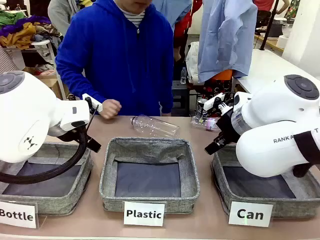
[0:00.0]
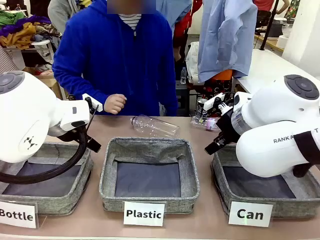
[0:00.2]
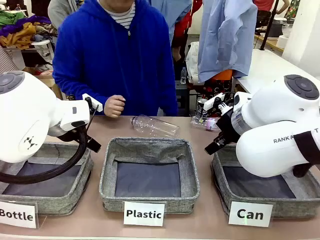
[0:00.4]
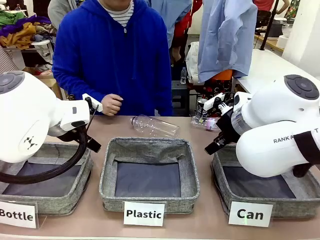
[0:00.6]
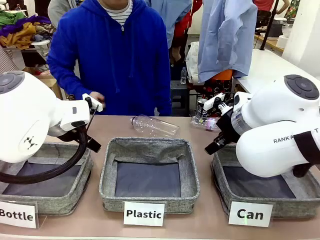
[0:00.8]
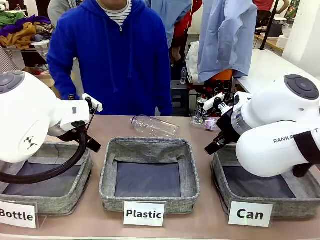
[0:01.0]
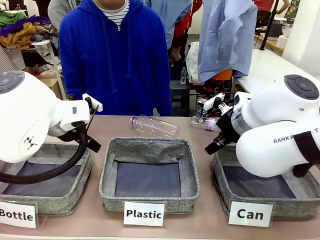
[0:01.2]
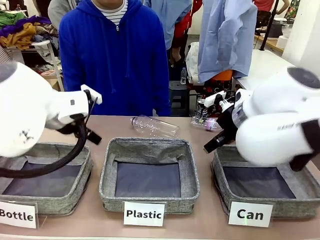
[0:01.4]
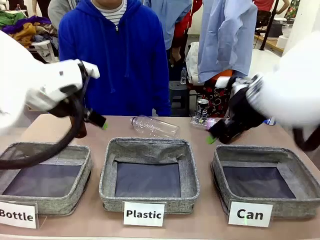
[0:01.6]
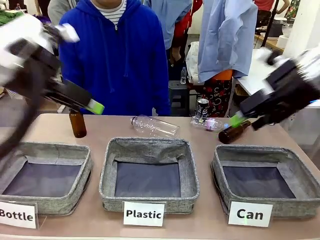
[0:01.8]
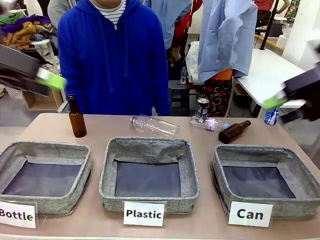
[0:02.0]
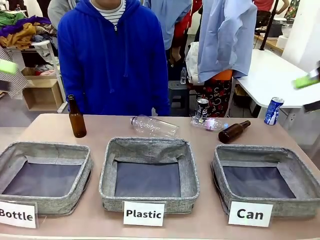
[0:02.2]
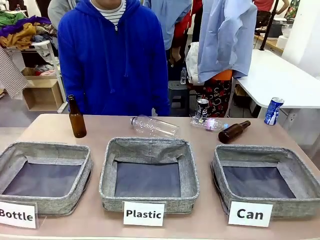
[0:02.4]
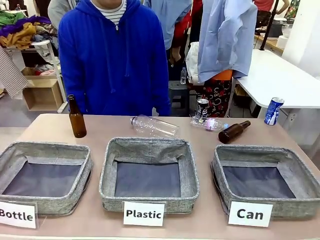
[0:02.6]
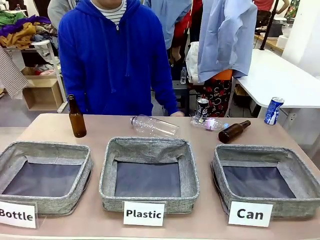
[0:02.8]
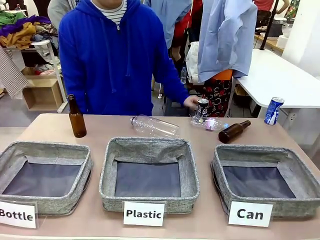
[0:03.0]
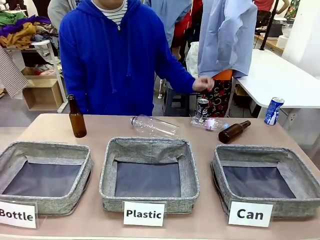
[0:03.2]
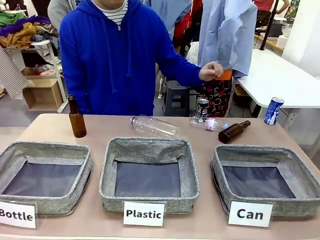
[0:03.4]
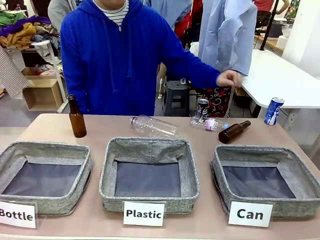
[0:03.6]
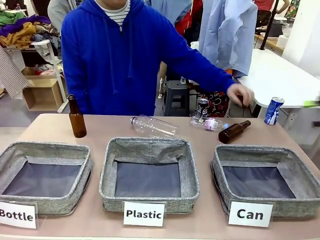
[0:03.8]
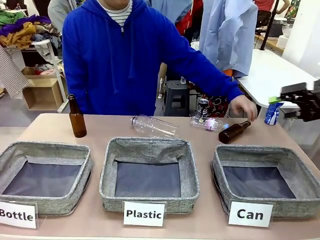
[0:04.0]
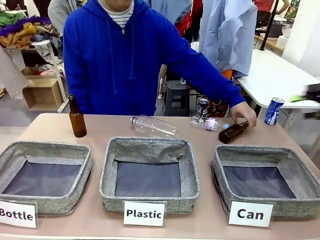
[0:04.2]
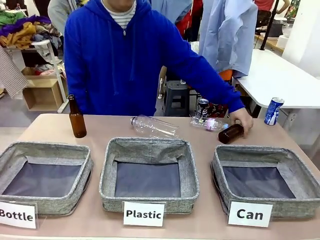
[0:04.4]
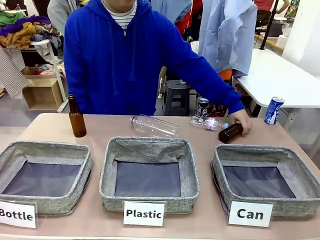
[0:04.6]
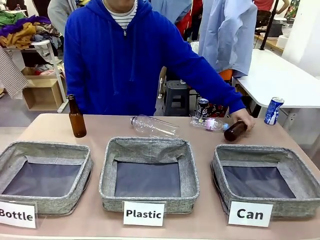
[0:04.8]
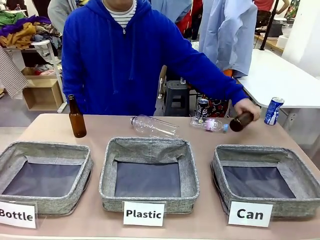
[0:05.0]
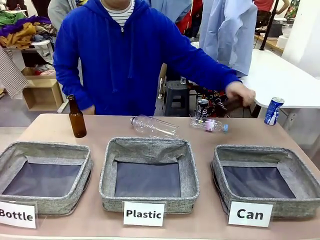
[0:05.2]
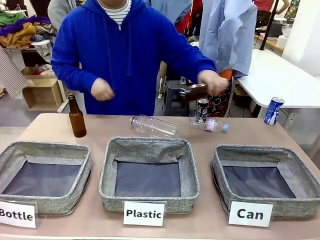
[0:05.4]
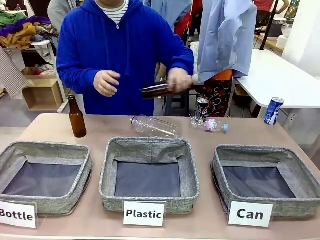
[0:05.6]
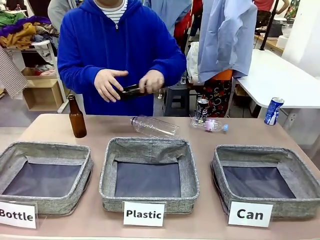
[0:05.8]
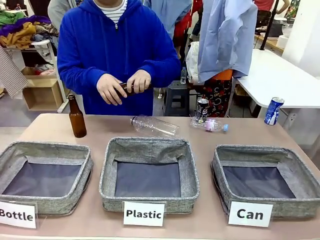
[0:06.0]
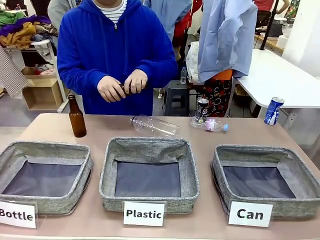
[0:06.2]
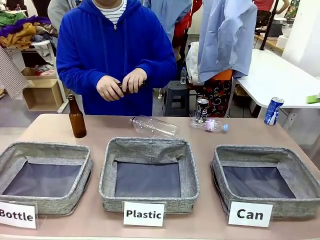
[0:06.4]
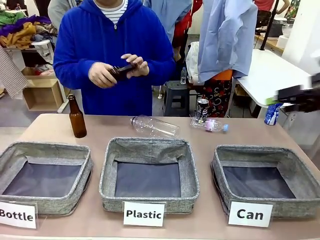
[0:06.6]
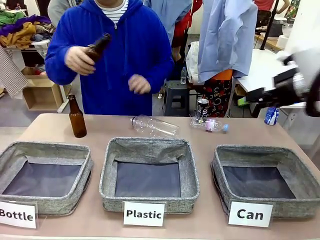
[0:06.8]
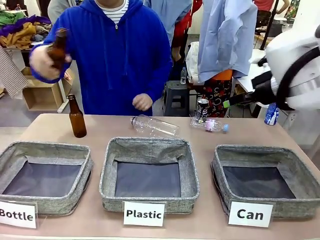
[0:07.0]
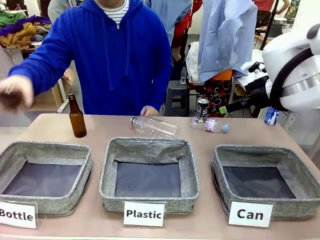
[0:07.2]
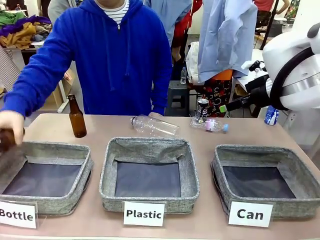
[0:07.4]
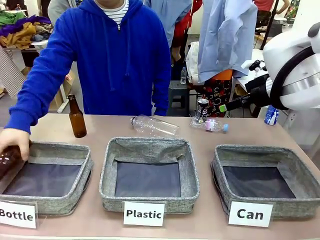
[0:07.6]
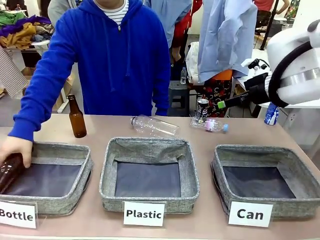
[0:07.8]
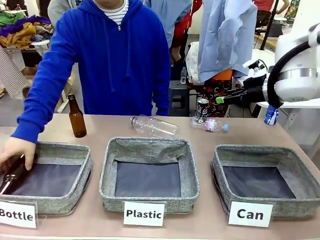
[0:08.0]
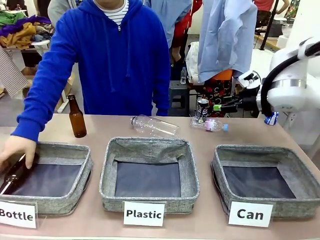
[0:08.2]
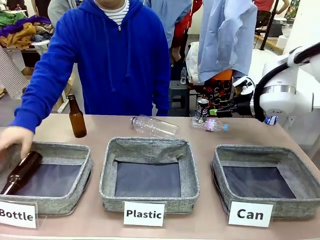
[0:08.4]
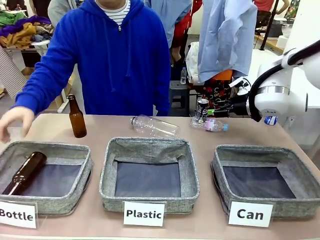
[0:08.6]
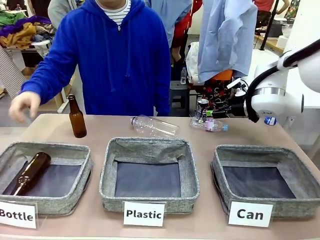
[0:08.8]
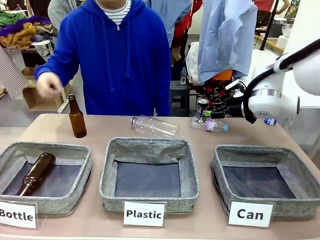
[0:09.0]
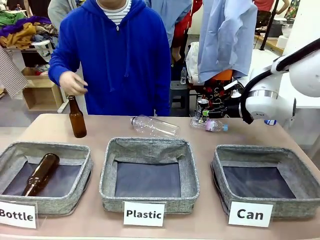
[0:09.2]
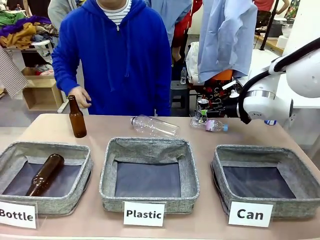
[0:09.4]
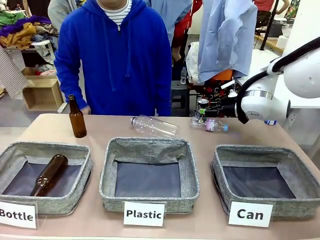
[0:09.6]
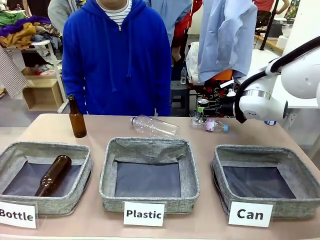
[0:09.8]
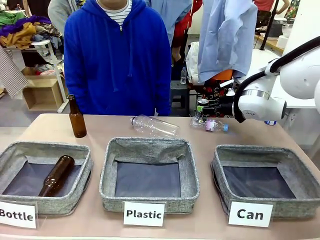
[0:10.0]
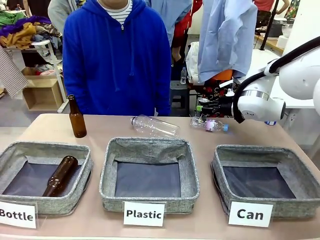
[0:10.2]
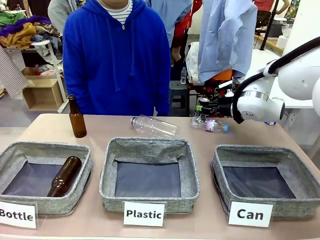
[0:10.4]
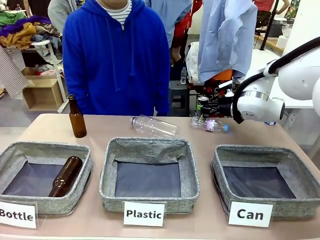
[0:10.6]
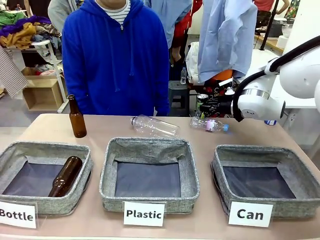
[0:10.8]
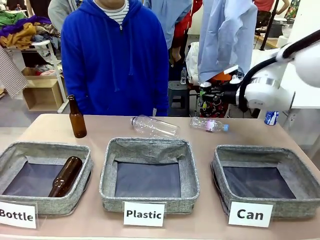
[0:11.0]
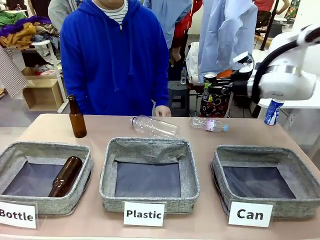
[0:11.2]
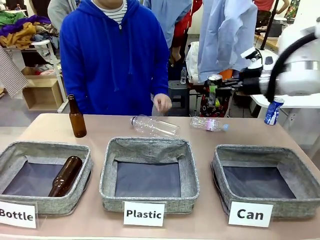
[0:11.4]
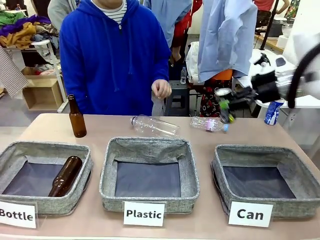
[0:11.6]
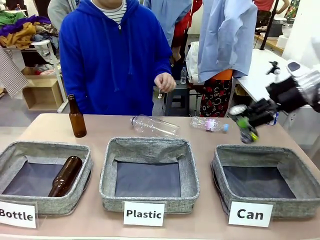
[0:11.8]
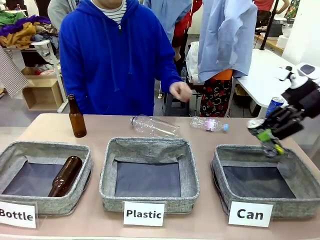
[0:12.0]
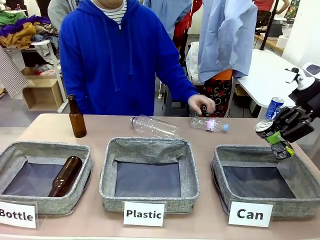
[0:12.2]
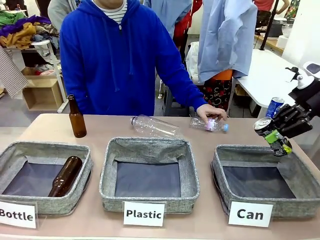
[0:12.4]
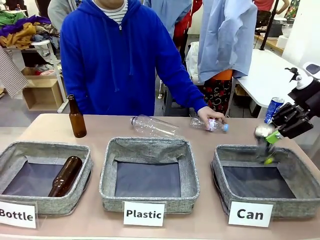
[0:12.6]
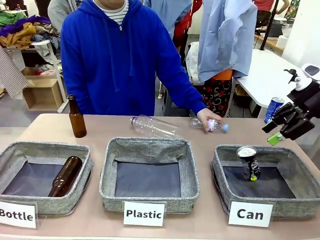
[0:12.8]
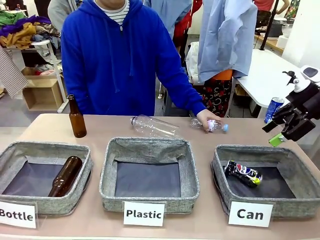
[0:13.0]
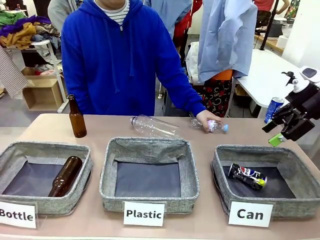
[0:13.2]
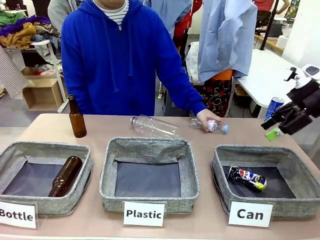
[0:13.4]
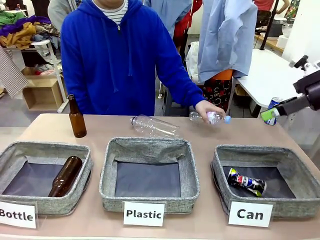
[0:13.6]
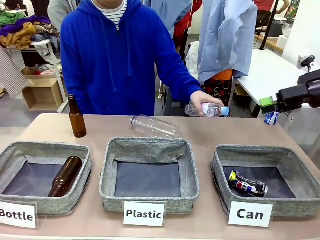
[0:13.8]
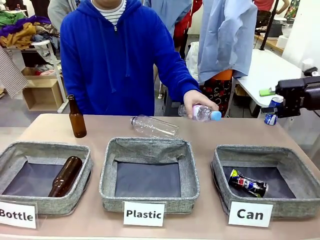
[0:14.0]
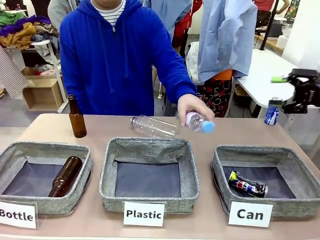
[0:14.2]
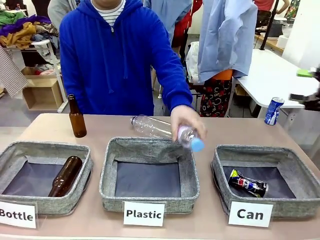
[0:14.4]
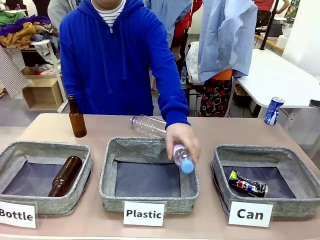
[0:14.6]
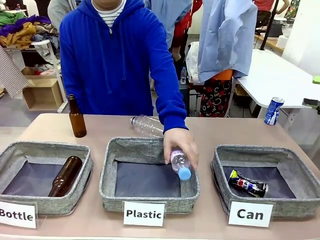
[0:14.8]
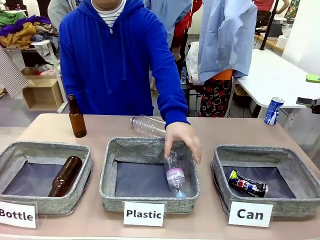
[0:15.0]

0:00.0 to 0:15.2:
Task: Sort the can waste into the basket.
Robot: Pick up the can waste from the table and place it in the right Fabric basket.
